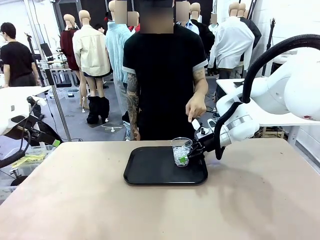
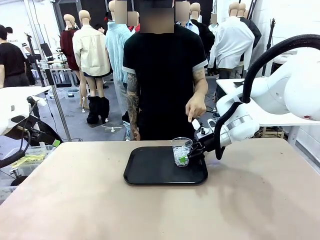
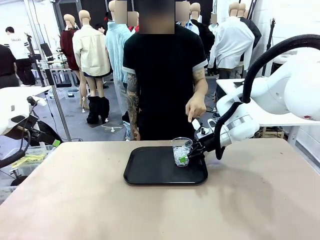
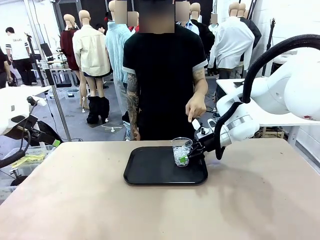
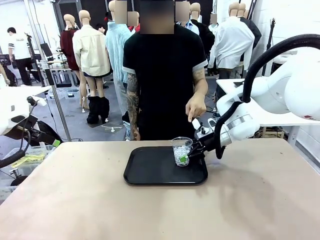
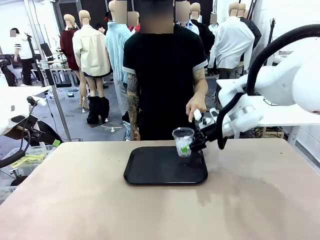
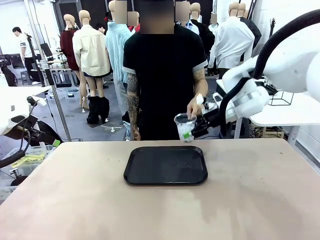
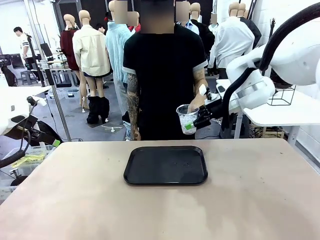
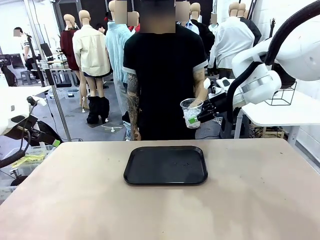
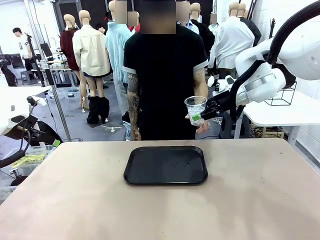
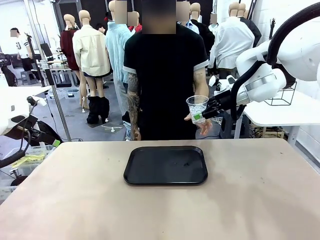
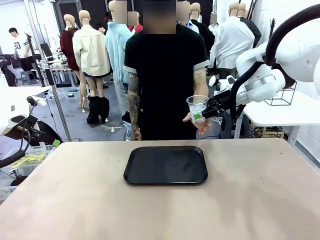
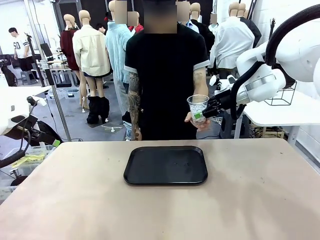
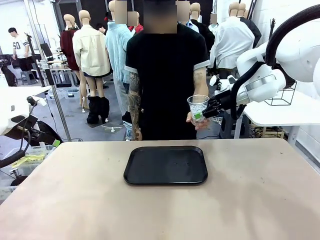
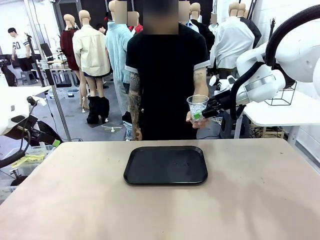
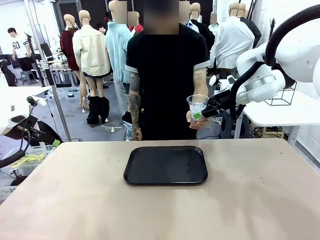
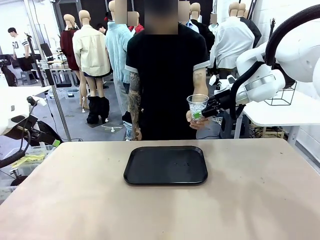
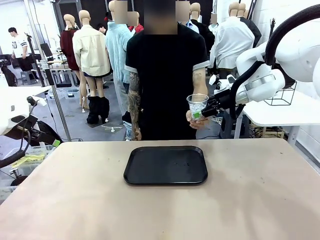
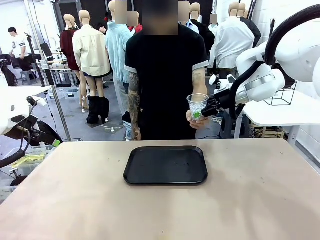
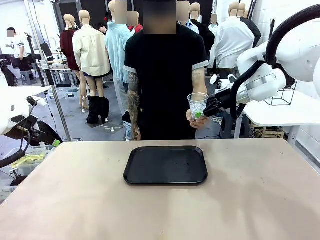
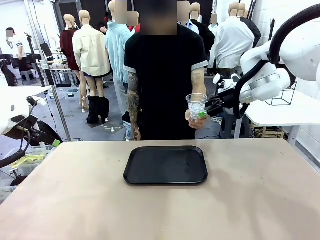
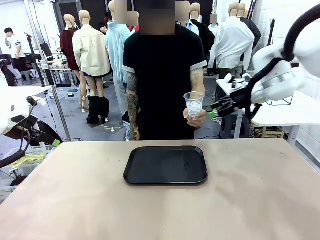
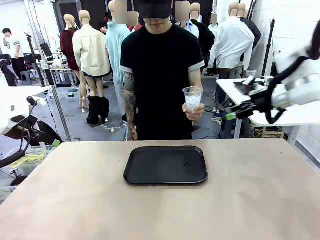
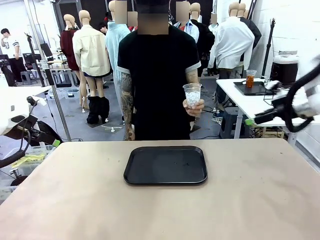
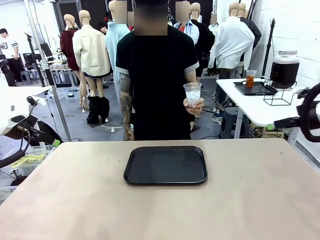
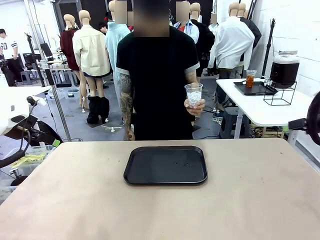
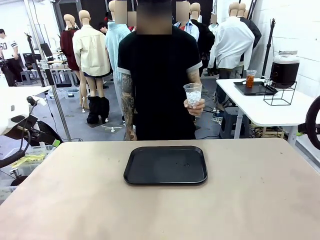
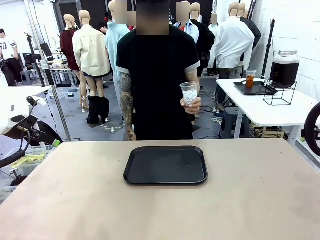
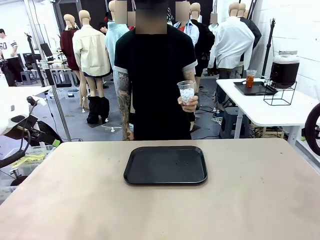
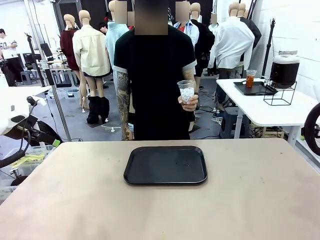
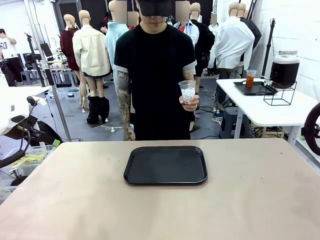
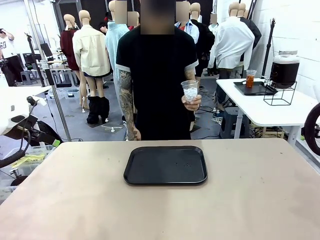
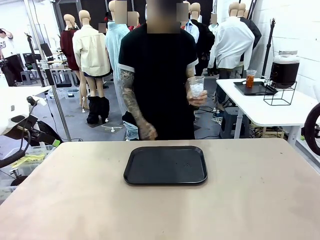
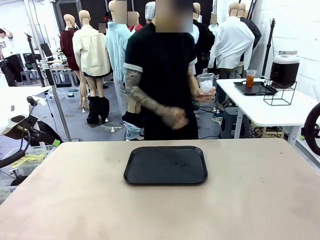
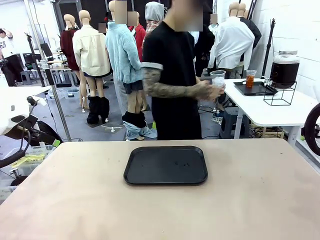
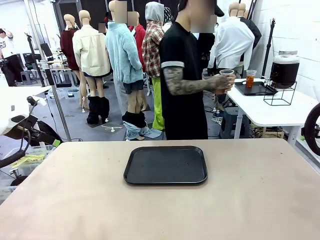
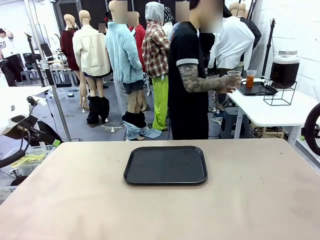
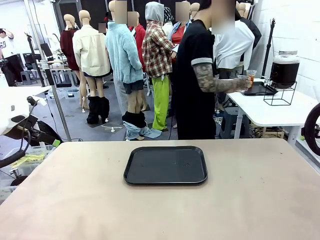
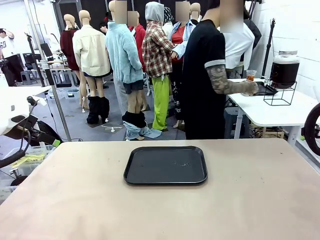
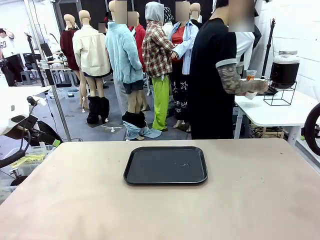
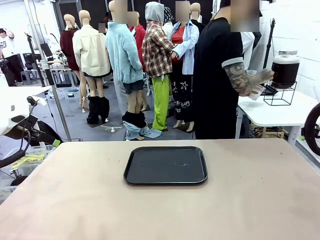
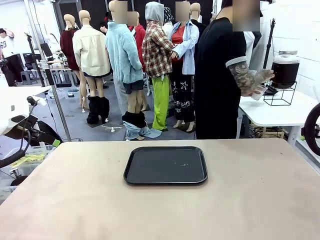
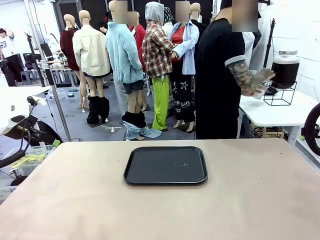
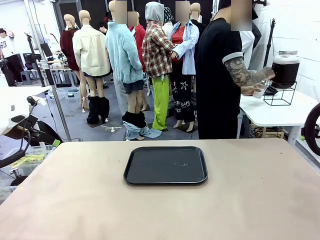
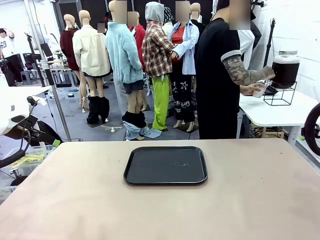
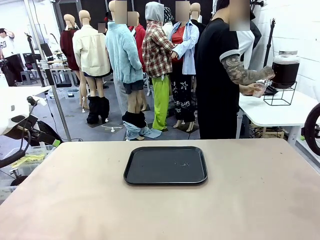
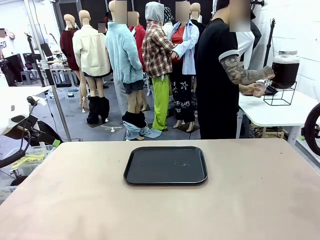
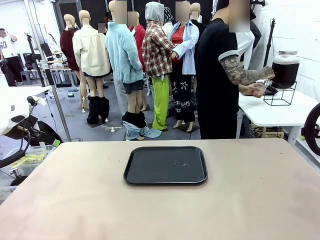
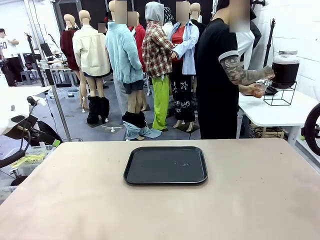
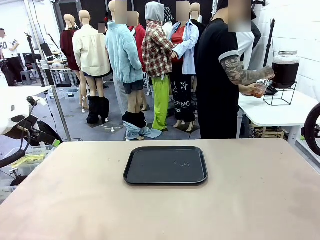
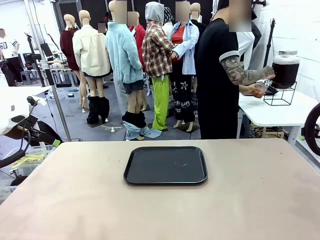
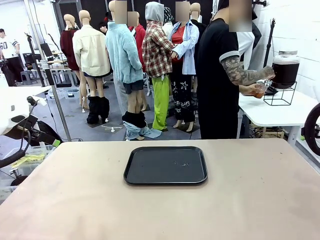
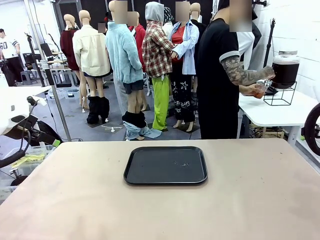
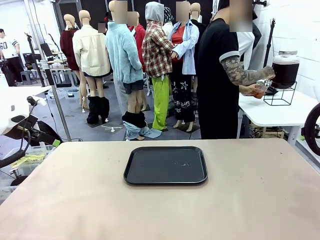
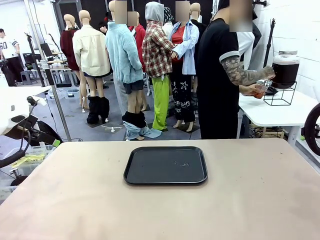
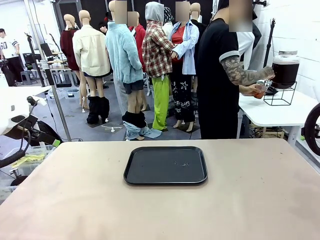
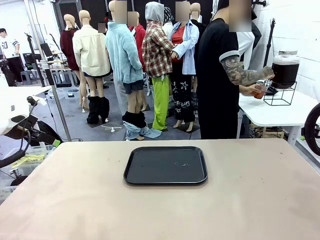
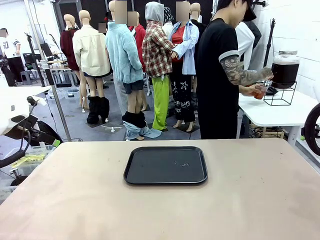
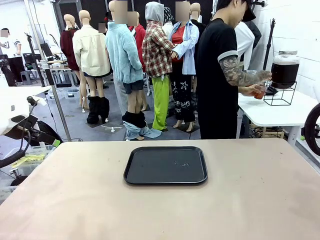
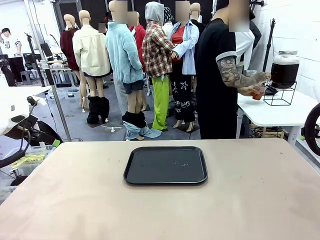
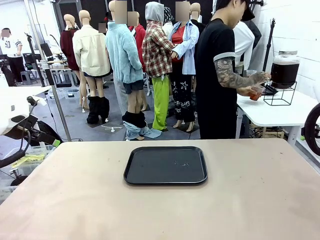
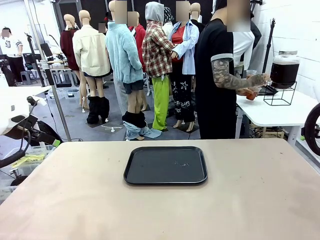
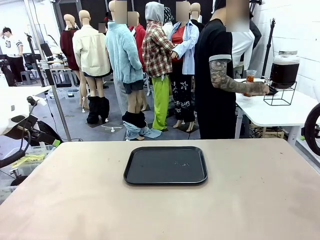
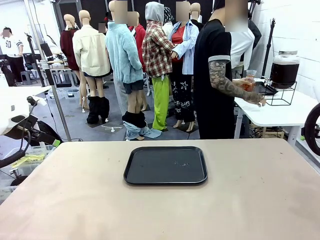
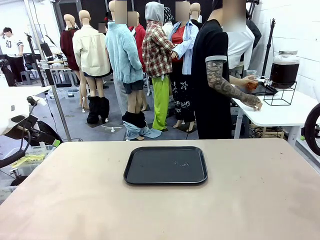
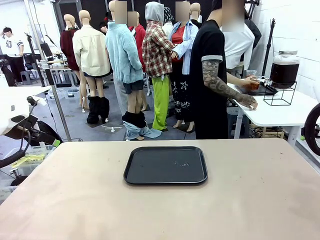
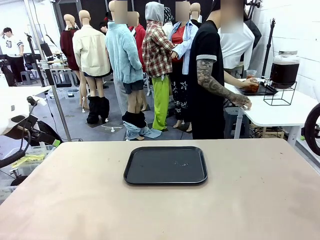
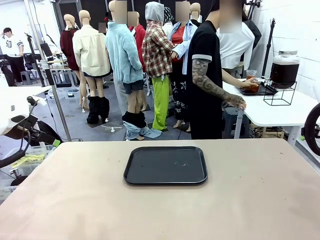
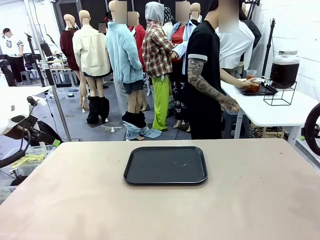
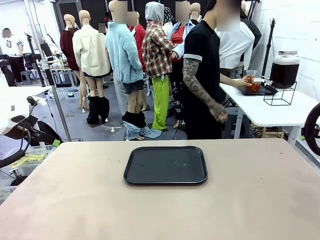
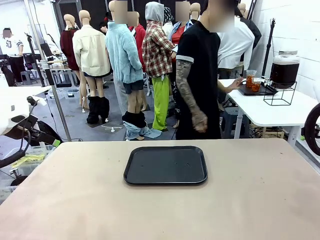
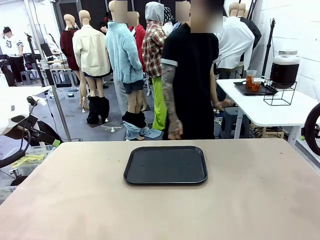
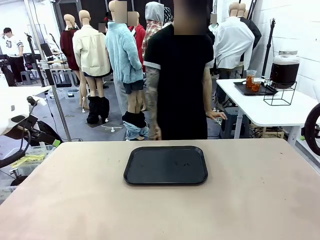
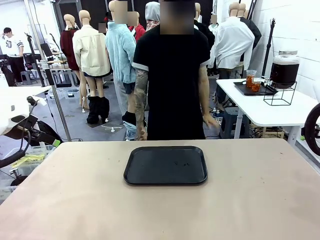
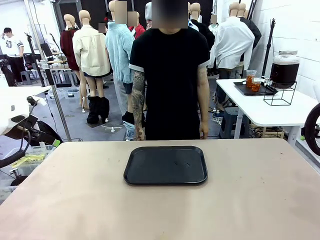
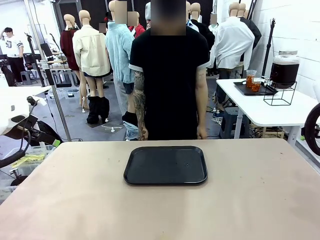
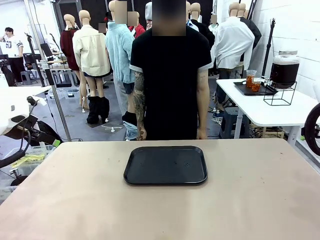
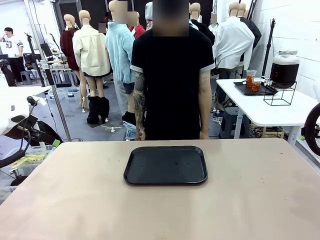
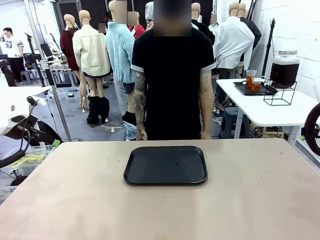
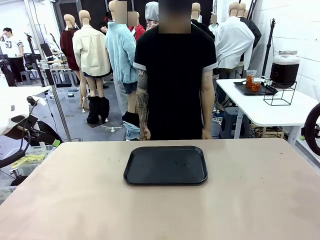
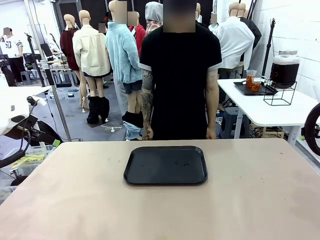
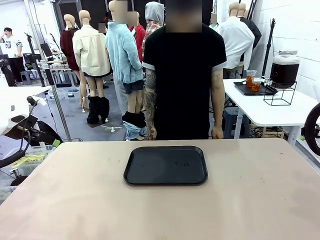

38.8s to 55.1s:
Task: Pour the drink into the iced cup.
Robot: Open the gripper to release the iced cup you were holding.
Person: Move the picked-up cup under the dispenser faucet, pour the drink, and place it on the tray on the human table.
